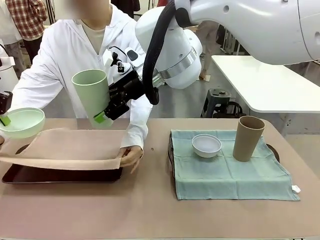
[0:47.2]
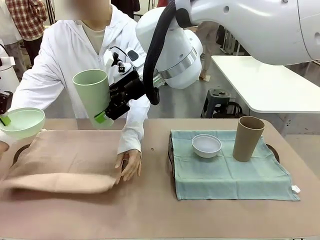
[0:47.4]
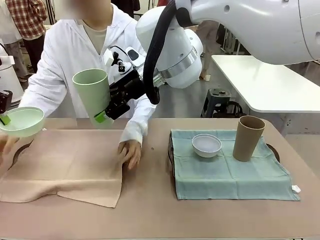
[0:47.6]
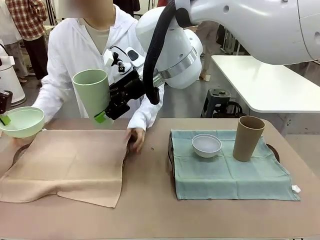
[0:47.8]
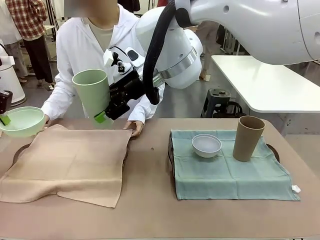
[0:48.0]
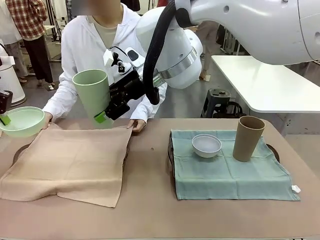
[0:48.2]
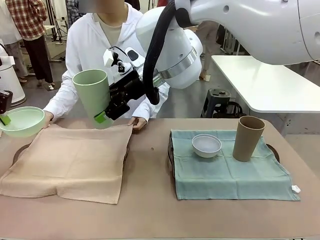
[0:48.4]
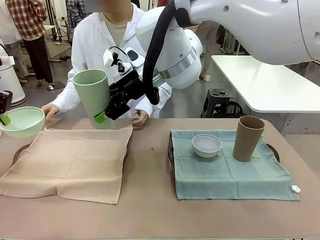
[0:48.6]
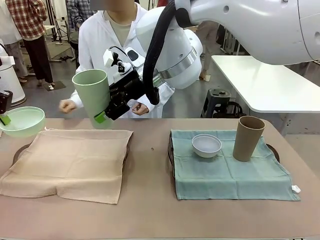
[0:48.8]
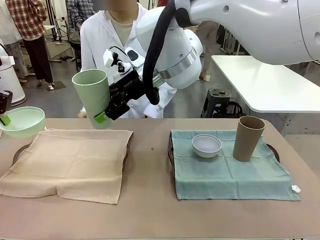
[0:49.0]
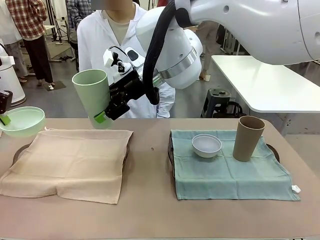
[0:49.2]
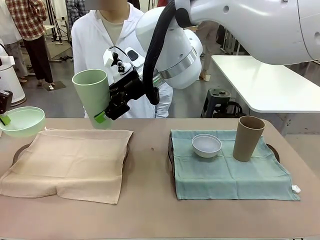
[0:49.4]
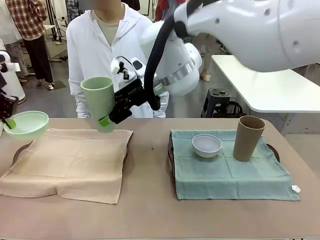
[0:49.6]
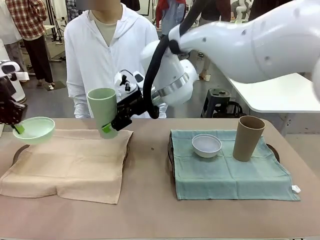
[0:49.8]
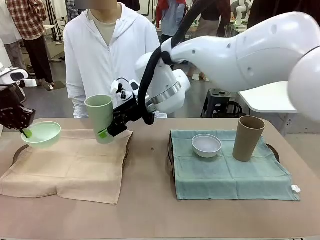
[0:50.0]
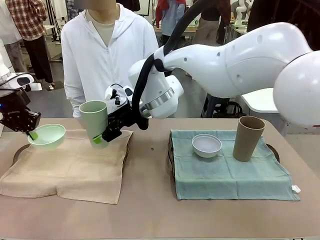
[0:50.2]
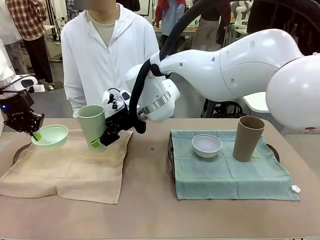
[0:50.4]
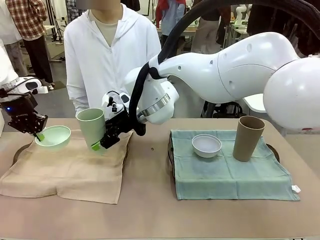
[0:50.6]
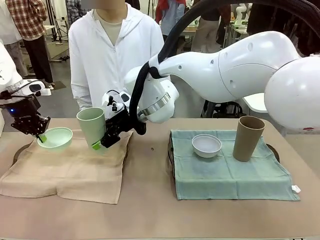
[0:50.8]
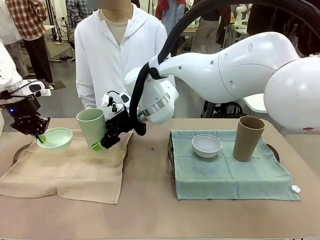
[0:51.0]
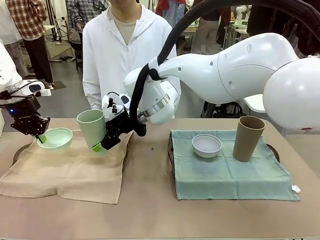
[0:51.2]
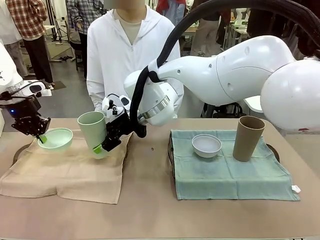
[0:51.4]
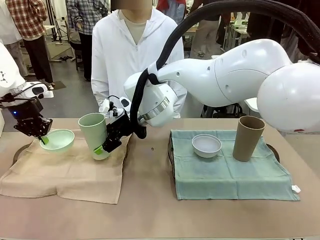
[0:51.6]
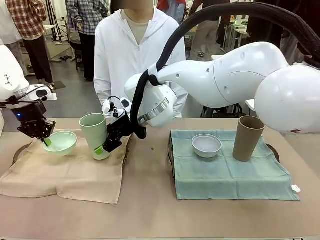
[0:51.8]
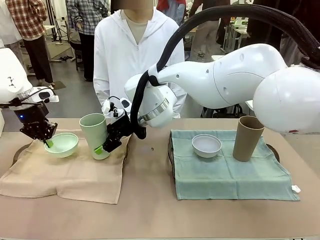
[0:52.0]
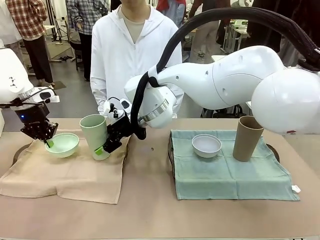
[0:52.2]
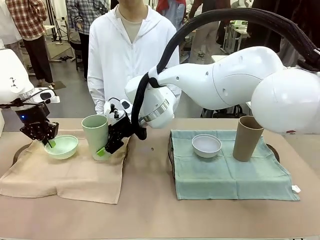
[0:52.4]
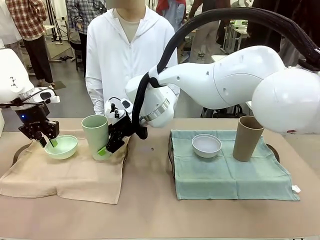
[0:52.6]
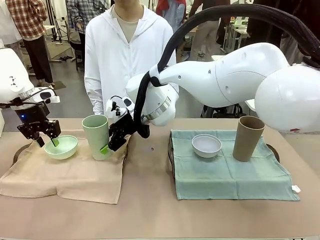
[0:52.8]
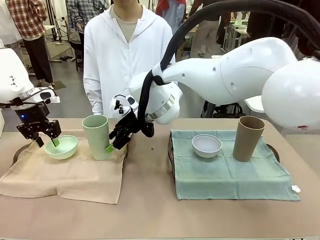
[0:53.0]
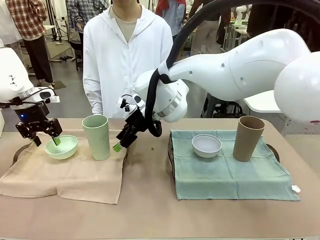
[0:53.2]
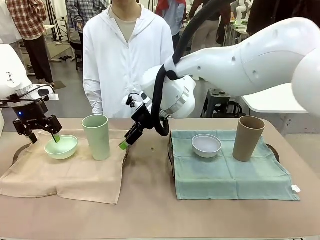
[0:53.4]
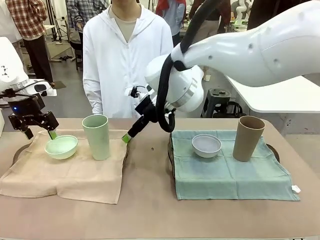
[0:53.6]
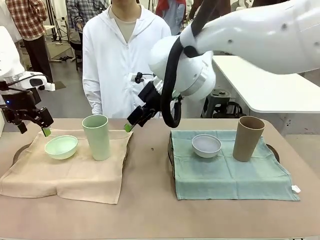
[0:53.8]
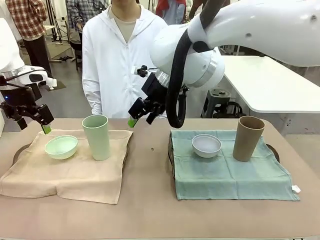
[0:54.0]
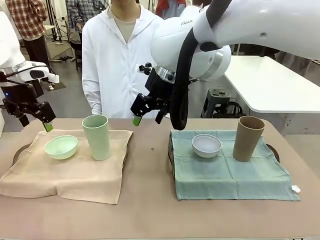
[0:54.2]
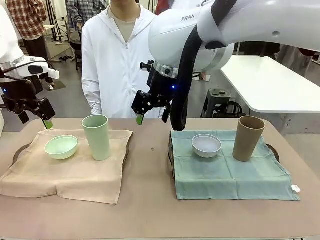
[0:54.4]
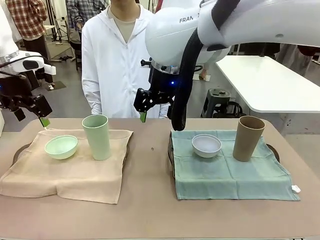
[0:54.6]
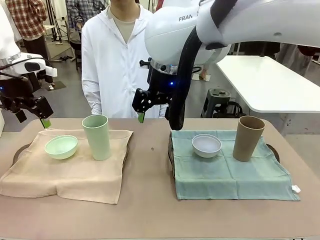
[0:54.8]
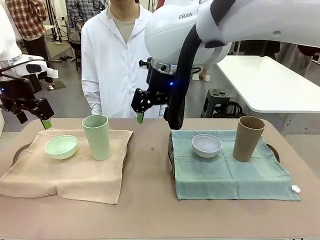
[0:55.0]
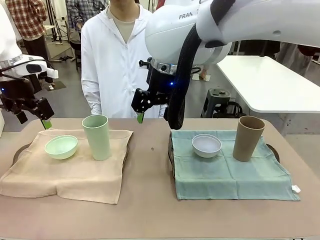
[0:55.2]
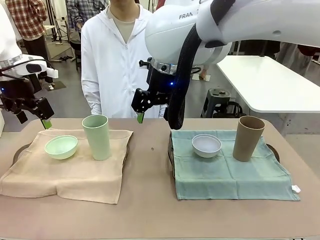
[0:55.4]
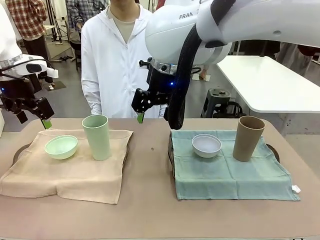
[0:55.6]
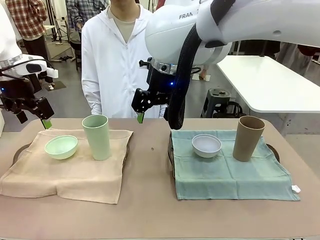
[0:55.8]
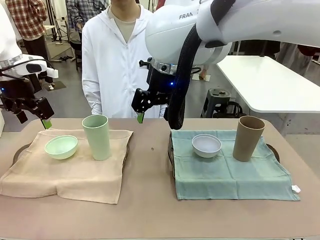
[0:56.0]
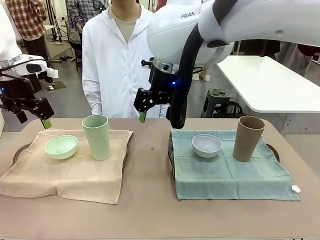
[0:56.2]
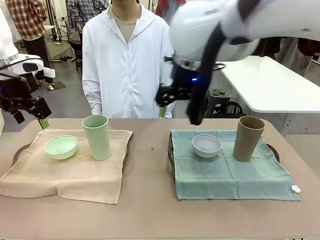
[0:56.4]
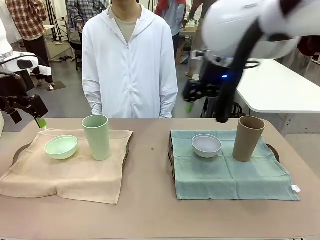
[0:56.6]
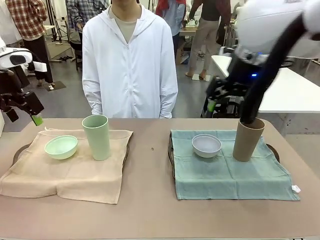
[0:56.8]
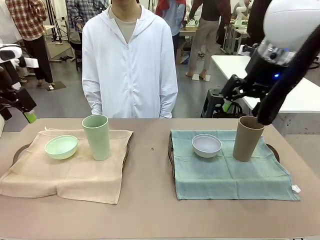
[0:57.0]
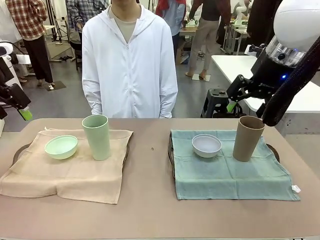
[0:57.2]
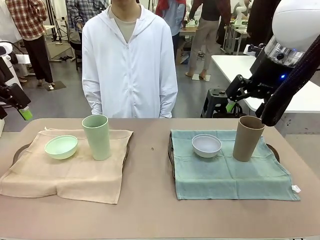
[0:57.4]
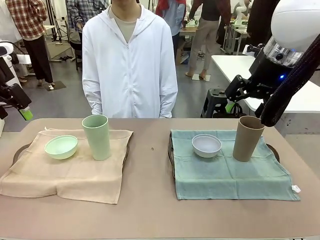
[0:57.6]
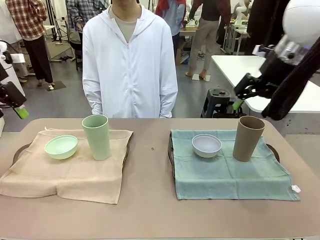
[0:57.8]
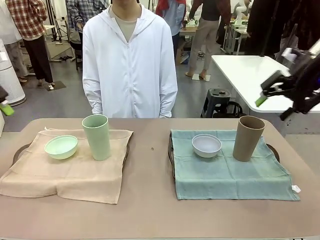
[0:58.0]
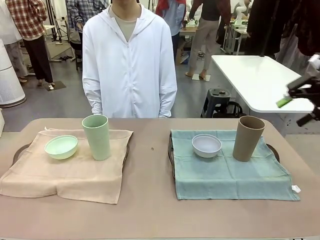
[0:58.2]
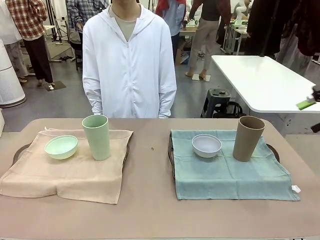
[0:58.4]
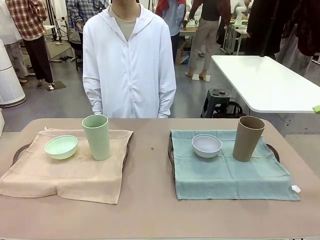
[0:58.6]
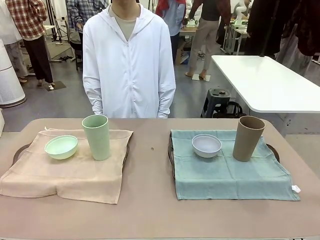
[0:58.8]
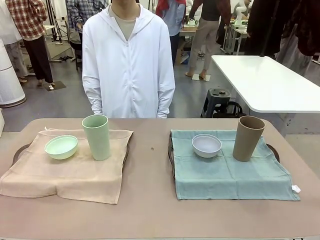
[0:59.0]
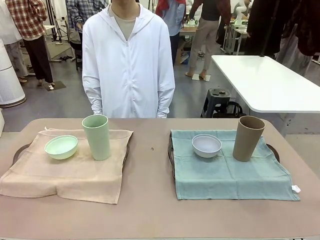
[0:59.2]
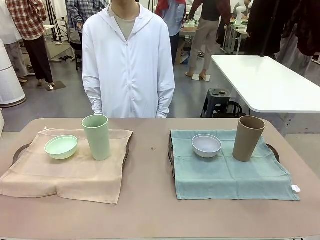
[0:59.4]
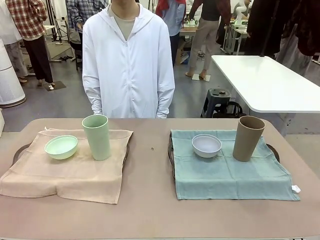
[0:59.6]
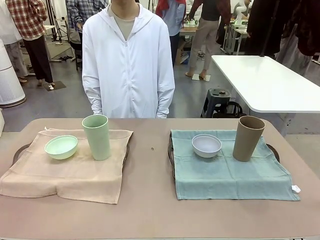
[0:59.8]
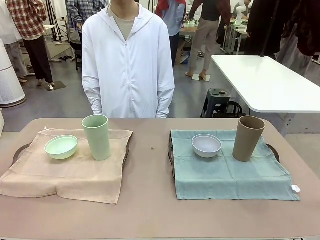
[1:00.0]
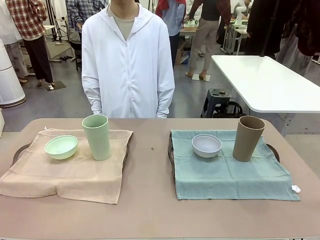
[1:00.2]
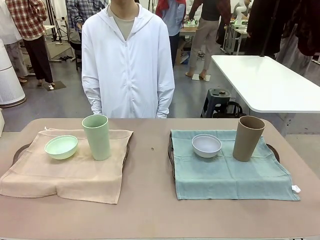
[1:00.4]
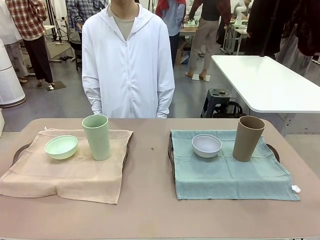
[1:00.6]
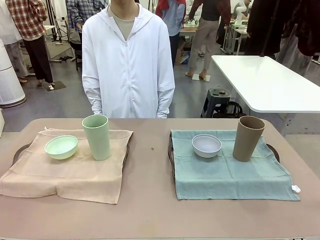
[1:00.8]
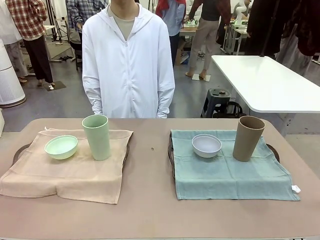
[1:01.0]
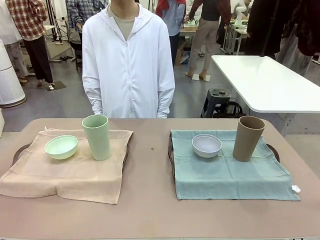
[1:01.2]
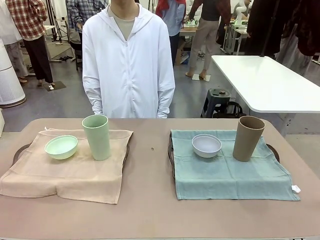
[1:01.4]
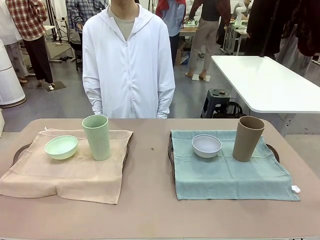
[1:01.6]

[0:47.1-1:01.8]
Robot: Place the Picnic Bowl and Reusable plastic cup back onto the Handle tray in front of the human's position.
Person: When the robot lifts the bowl and the cup, the human unfolds the napkin and lays the napkin flat on the tray.

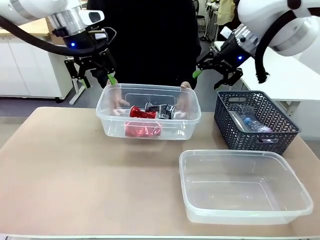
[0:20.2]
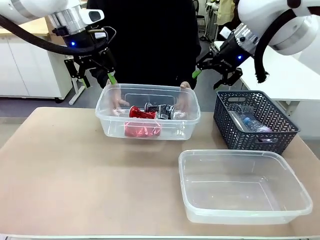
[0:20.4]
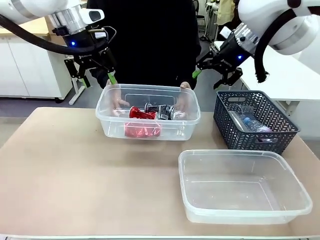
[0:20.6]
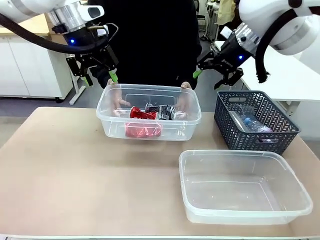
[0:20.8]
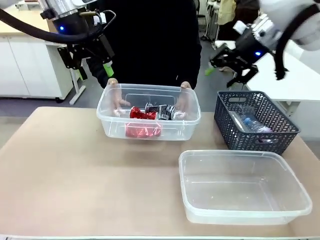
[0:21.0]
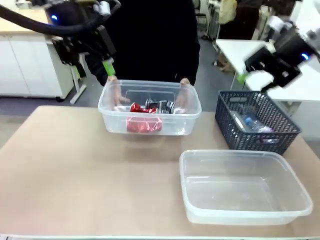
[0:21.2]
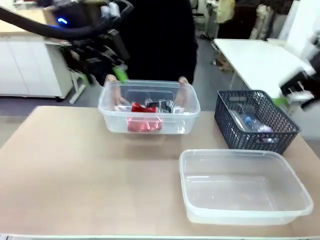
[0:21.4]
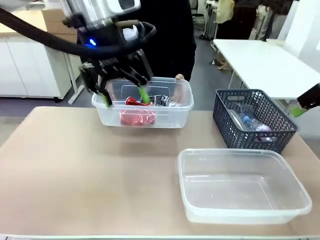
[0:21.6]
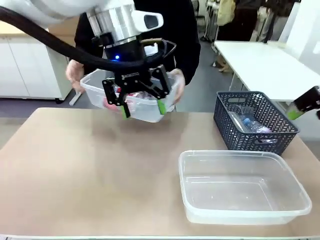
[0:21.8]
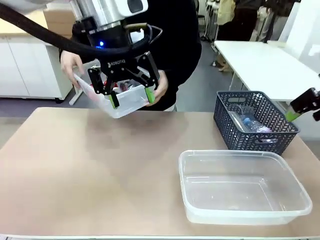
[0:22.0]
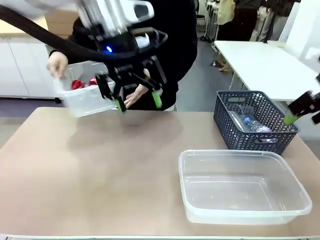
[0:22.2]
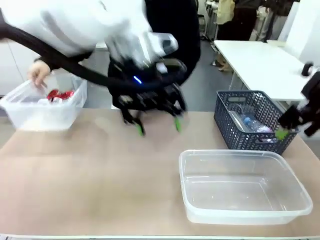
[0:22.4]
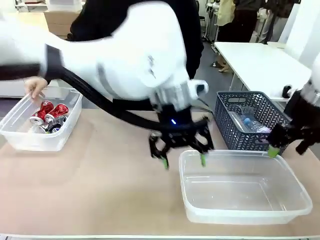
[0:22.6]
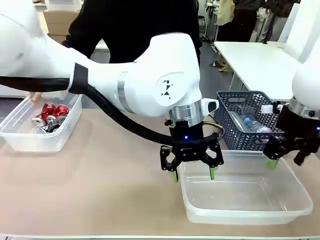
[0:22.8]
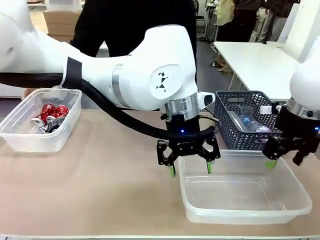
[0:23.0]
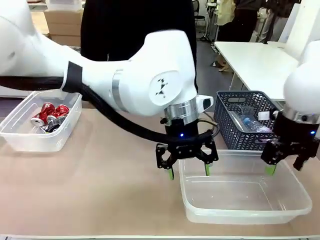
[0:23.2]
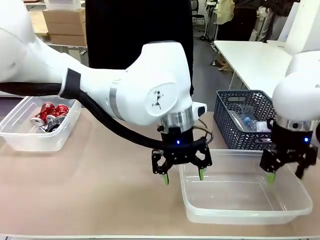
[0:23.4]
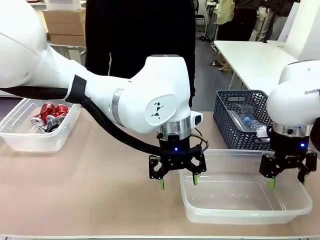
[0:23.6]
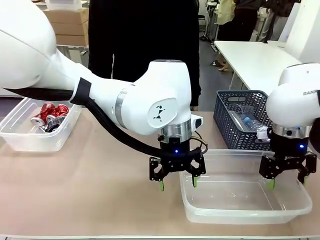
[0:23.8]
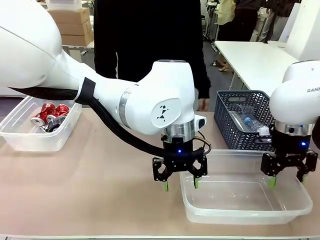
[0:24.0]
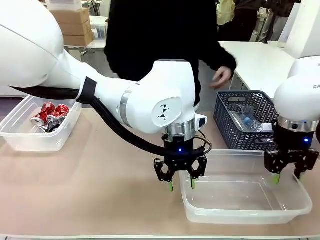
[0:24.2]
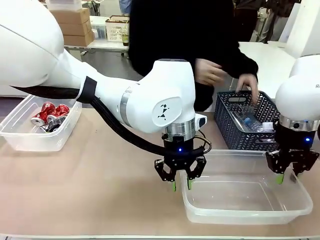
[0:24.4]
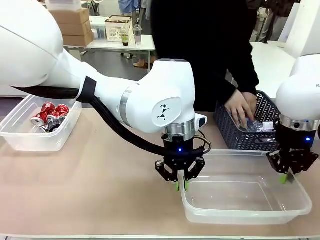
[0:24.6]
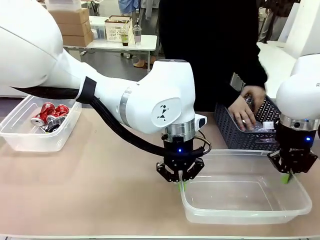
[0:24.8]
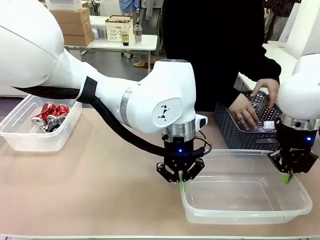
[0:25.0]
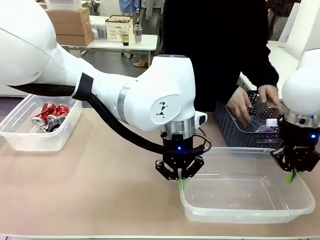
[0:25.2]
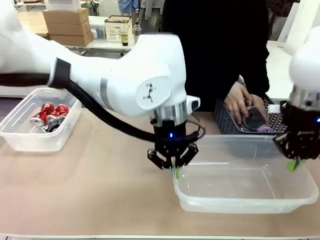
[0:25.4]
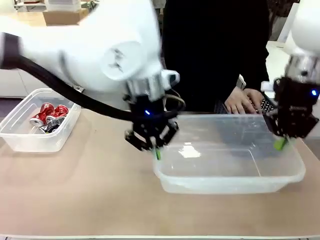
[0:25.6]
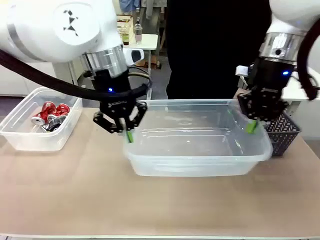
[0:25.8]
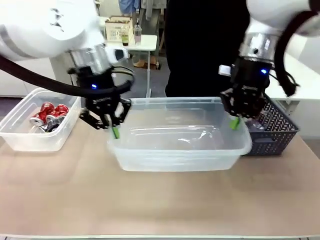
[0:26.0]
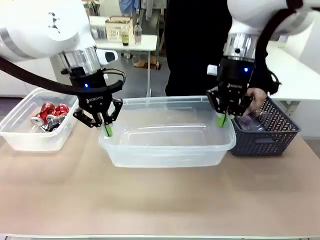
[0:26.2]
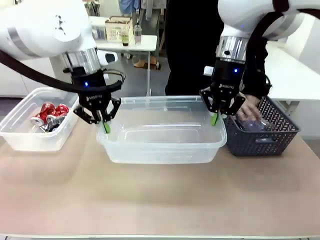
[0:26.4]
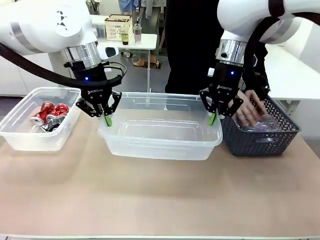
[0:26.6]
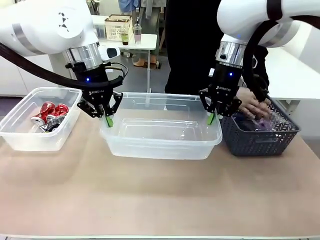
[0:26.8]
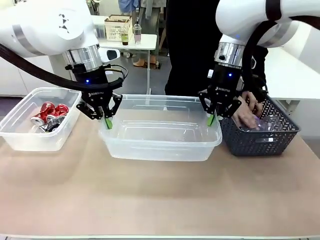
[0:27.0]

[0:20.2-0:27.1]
Robot: Pick up the Organizing box on the right side of the table and lift it.
Person: Place it at the edge of the bottom right area of the robot table.
